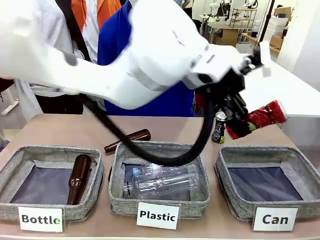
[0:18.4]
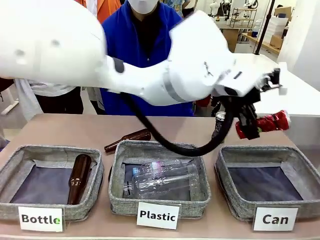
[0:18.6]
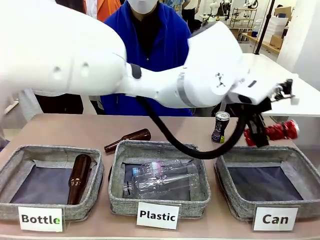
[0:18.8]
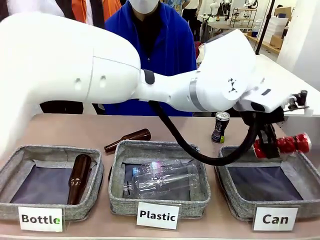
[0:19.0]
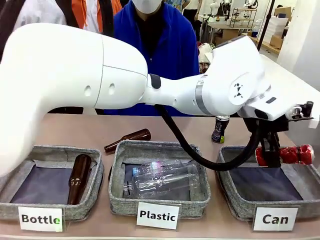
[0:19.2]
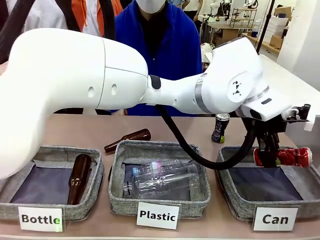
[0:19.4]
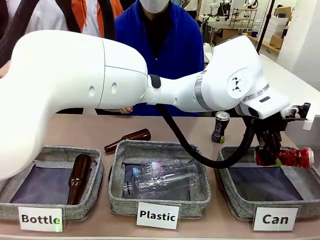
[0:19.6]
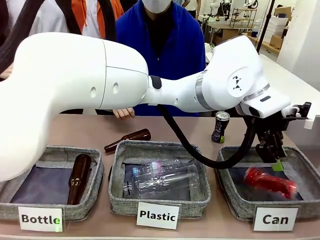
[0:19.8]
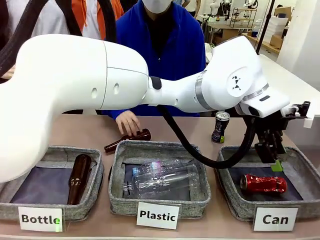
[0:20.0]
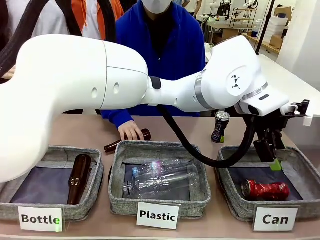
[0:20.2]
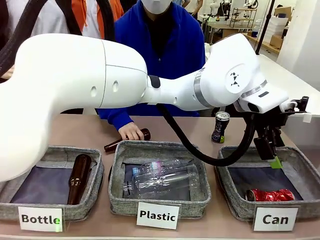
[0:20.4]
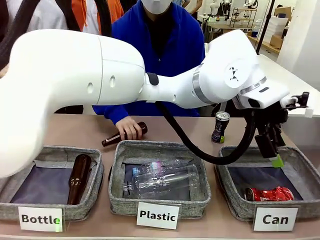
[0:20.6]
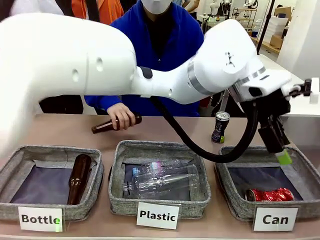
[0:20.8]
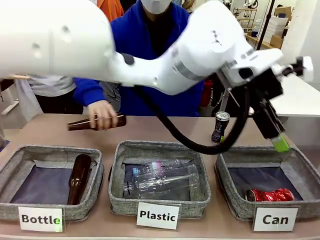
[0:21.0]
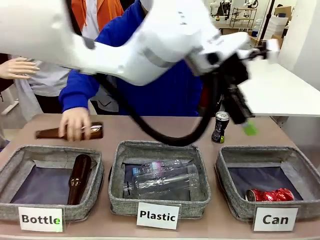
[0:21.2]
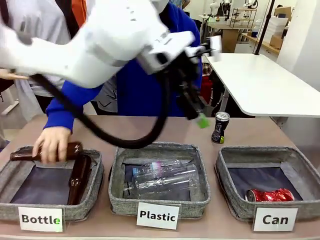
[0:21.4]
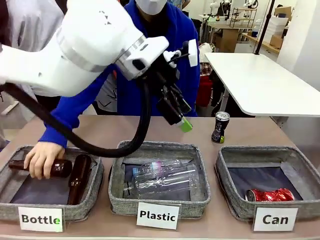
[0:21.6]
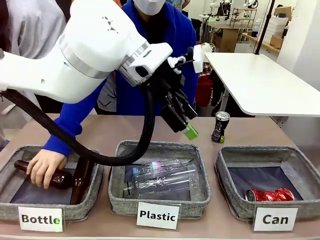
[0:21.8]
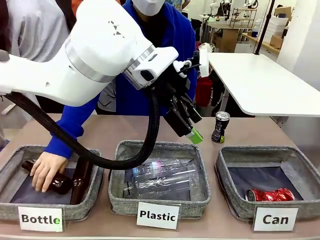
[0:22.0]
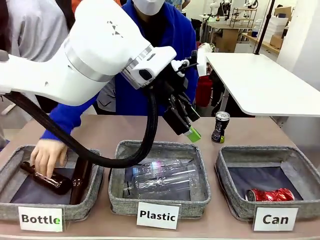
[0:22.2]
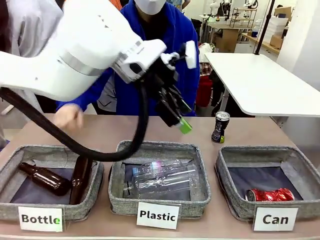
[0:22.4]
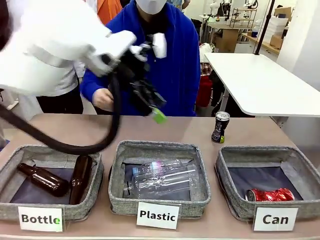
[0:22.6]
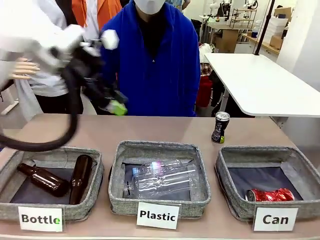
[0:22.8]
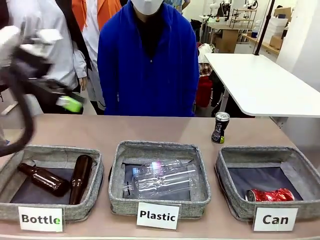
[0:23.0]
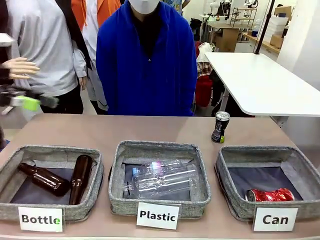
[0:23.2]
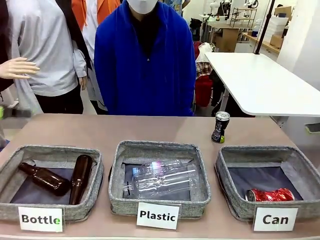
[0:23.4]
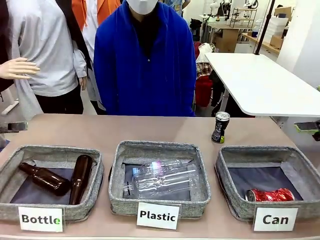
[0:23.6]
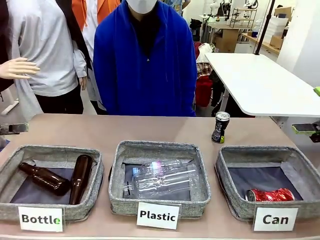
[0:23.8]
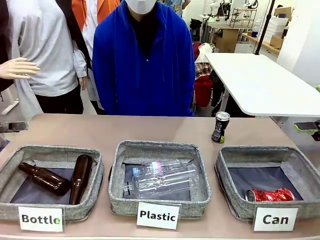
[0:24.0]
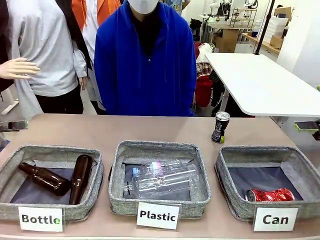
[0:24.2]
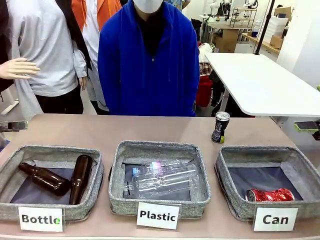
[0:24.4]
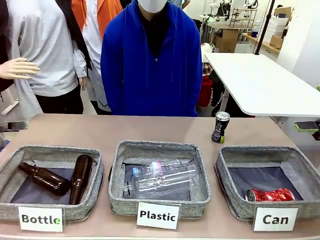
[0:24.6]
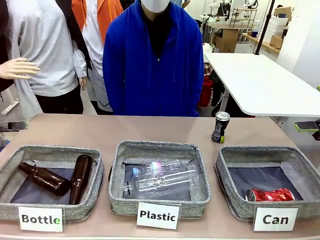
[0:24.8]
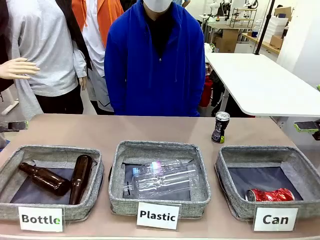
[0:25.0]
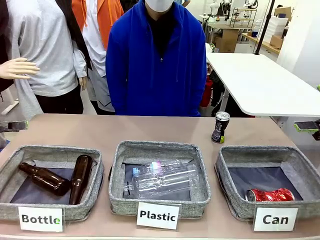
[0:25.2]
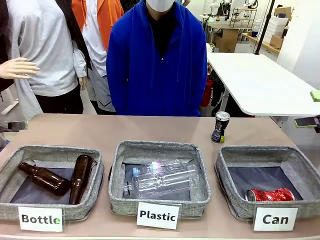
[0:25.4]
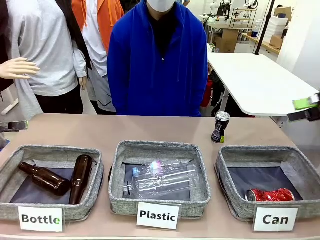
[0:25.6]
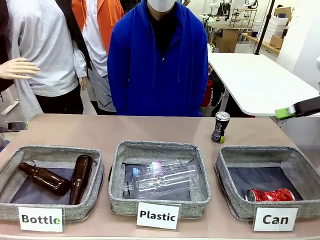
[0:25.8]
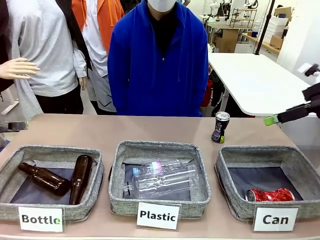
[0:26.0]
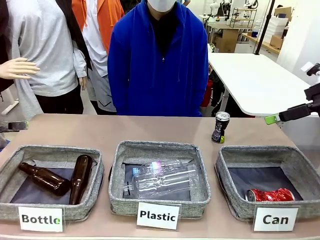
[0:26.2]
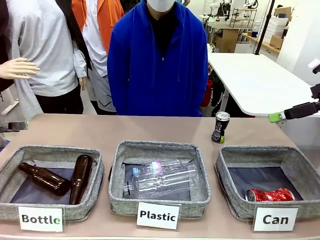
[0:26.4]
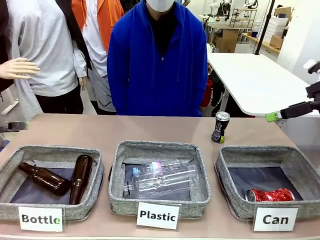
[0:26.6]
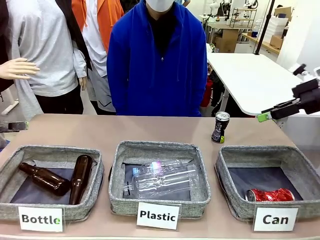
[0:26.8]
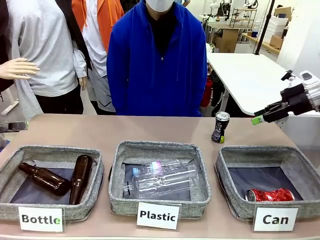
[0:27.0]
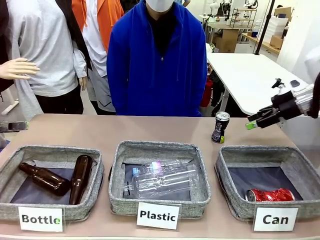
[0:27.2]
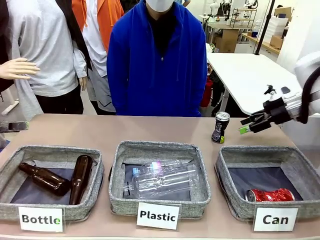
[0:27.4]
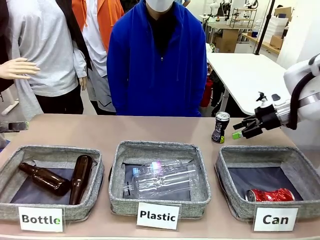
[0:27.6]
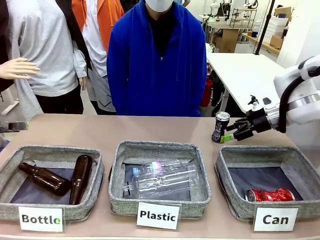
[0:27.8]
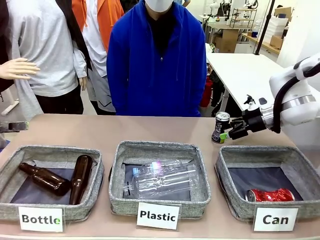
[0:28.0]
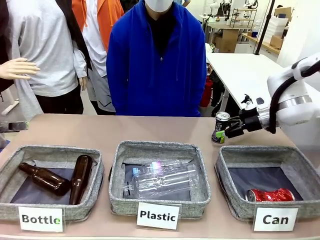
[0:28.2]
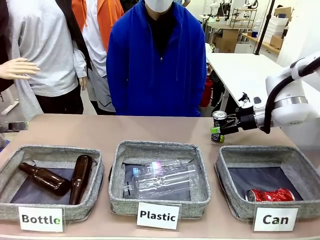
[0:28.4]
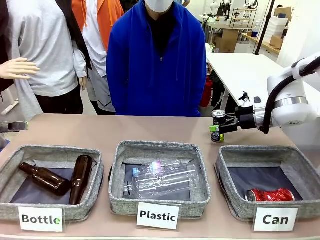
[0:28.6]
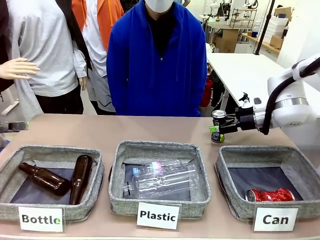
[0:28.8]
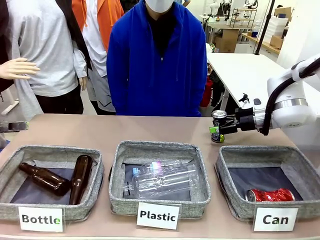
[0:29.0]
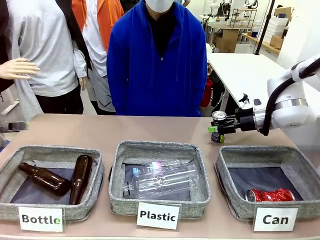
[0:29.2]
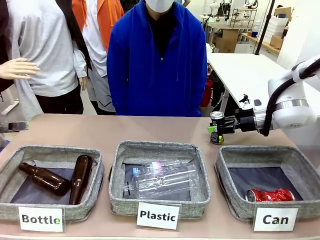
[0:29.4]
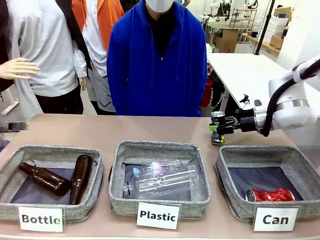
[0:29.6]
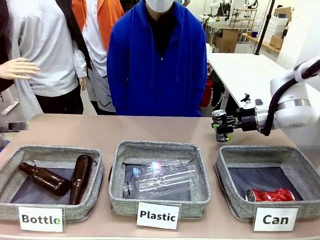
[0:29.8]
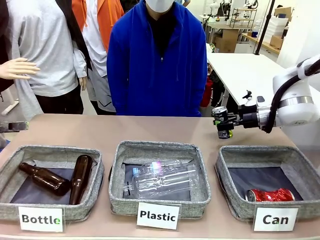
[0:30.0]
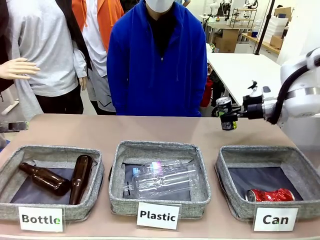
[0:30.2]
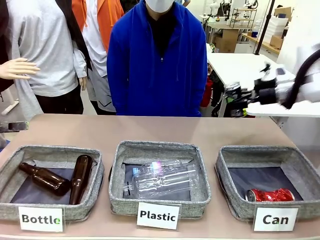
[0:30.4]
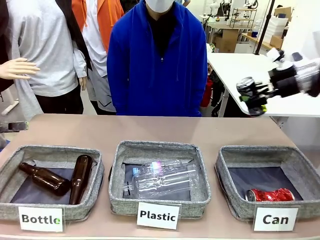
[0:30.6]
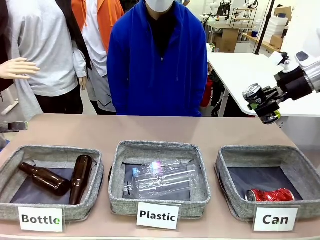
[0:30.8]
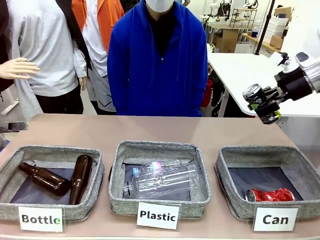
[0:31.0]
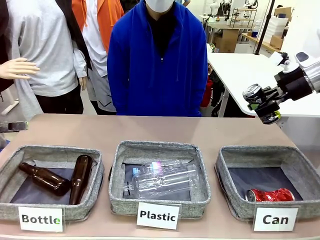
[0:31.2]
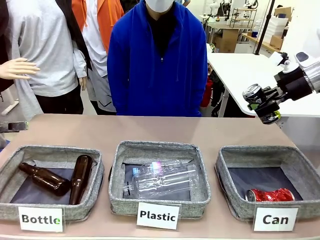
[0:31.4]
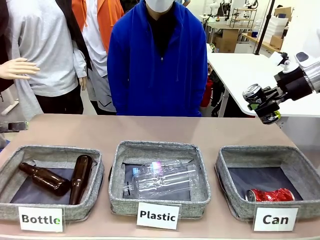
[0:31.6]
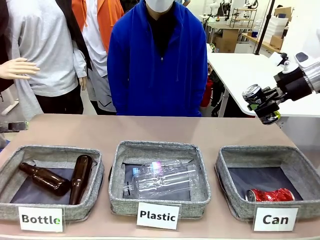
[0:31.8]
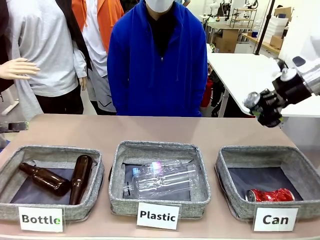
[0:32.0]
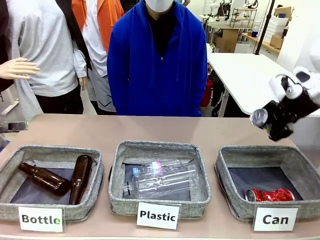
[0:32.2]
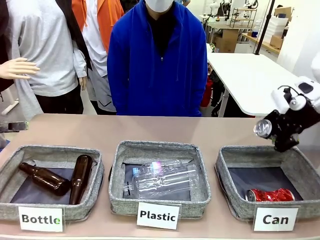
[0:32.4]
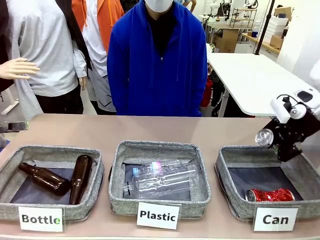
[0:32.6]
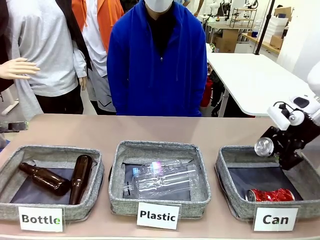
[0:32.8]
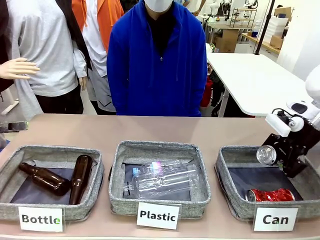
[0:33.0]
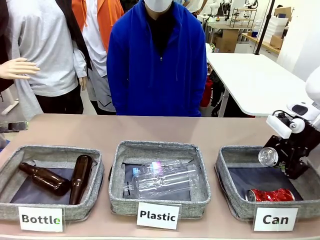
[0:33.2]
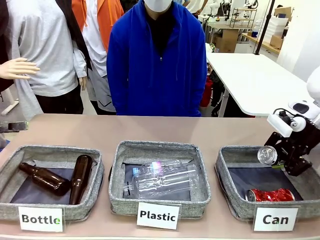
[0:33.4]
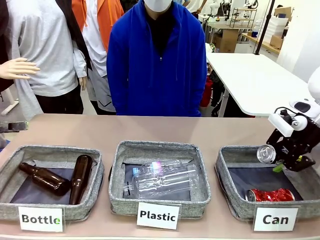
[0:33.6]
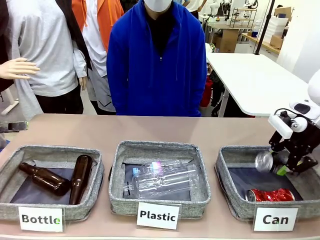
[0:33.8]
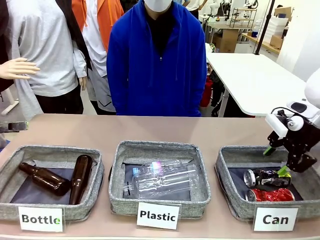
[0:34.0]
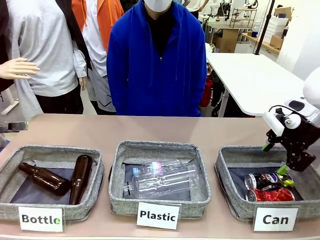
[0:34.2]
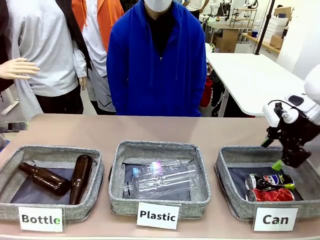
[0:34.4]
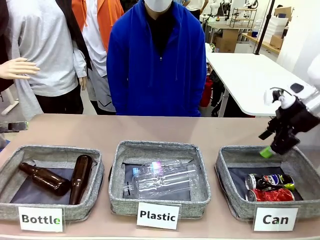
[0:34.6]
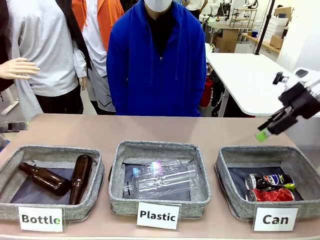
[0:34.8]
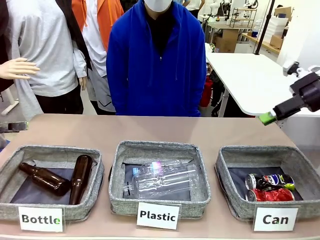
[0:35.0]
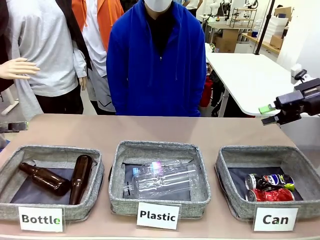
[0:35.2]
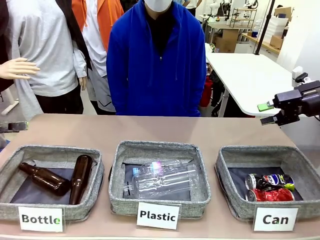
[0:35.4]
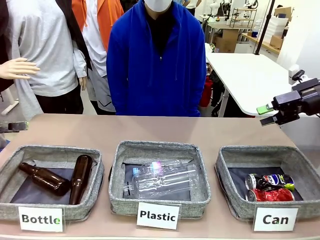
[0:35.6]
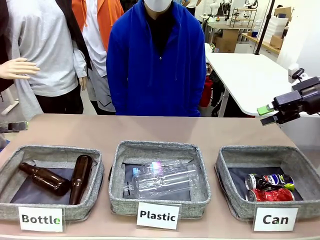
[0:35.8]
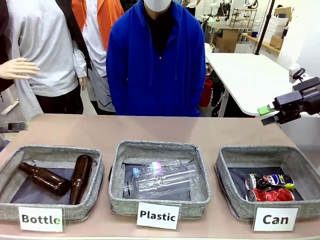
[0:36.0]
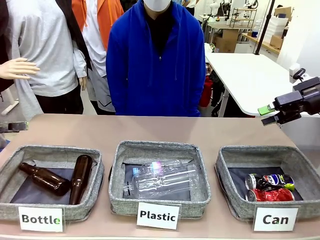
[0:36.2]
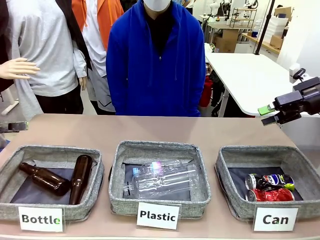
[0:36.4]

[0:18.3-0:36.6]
Task: Sort the can waste into the basket.
Robot: Pick up the can waste from the table and place it in the right Fabric basket.
